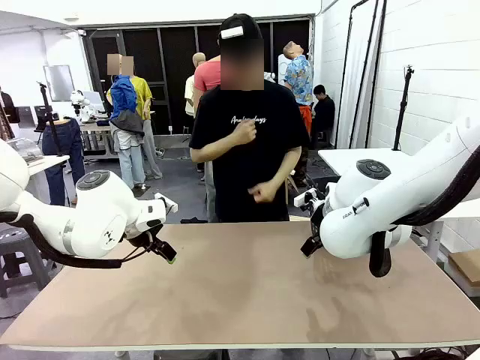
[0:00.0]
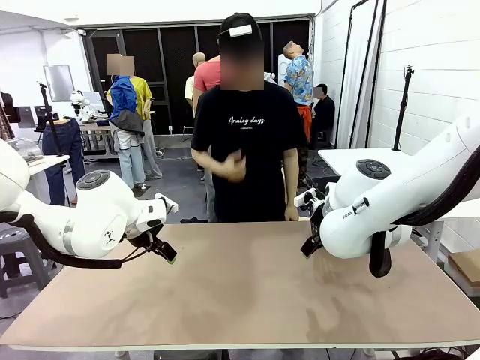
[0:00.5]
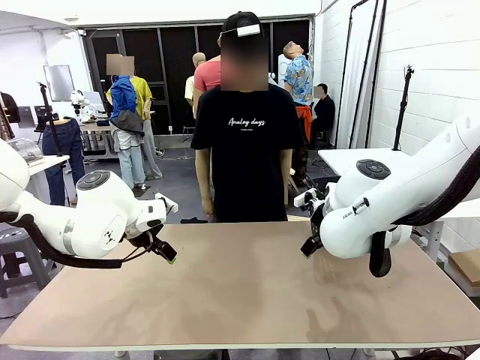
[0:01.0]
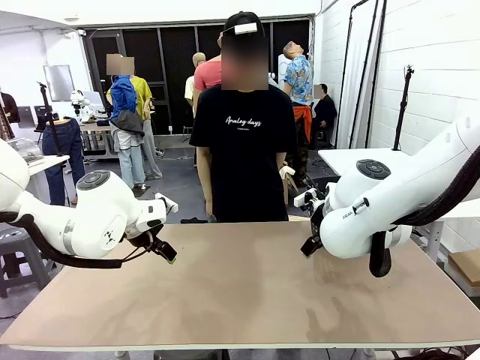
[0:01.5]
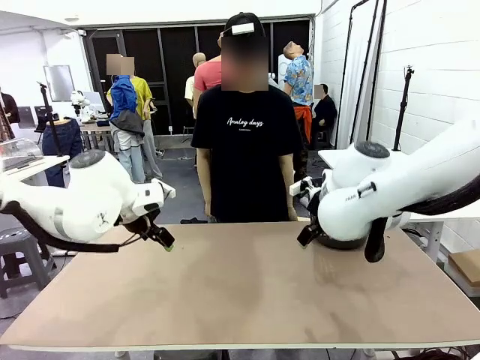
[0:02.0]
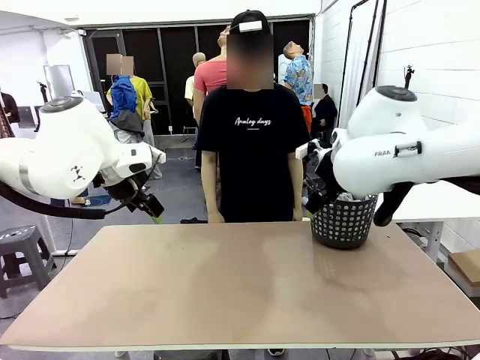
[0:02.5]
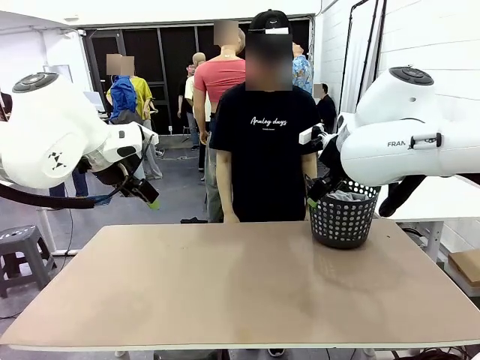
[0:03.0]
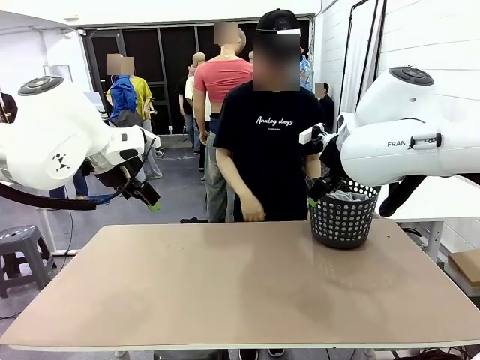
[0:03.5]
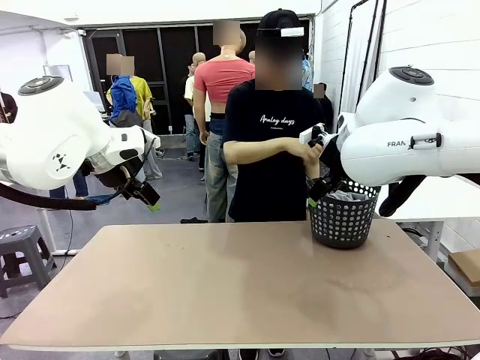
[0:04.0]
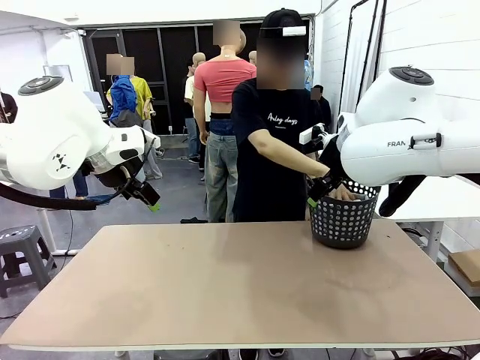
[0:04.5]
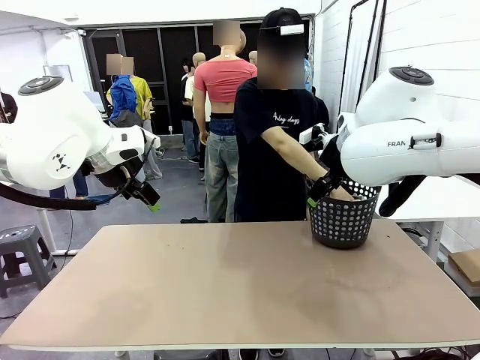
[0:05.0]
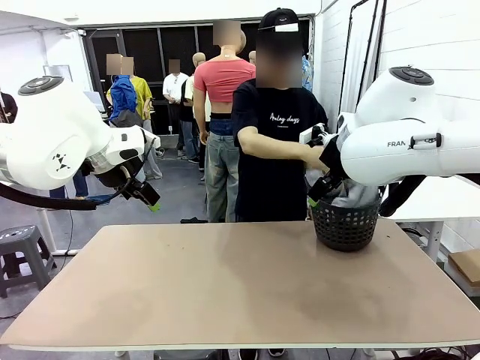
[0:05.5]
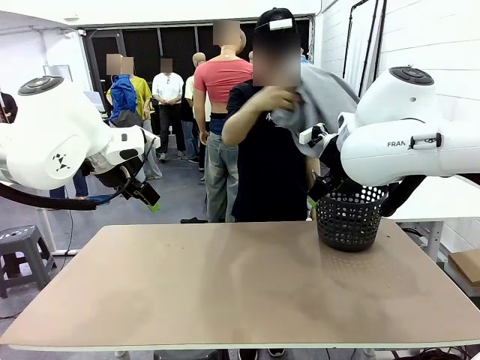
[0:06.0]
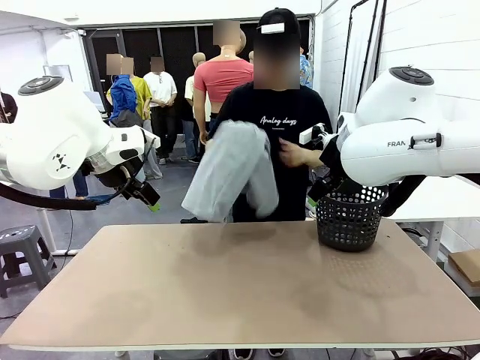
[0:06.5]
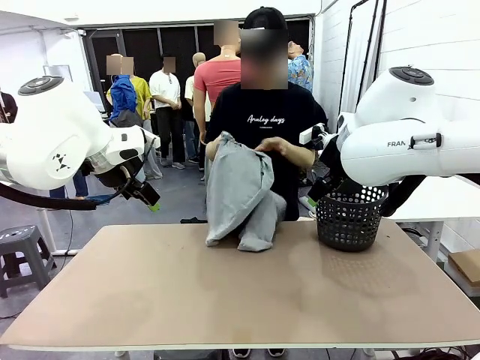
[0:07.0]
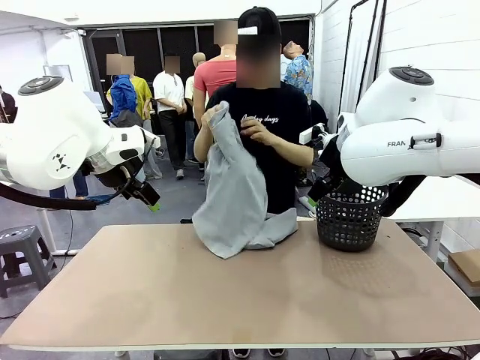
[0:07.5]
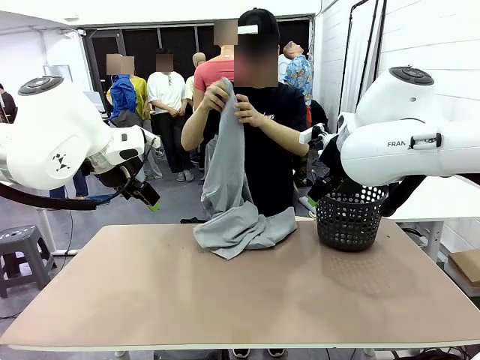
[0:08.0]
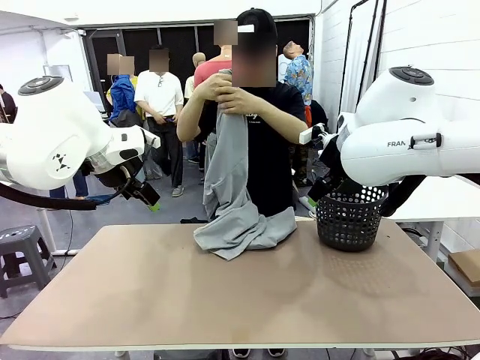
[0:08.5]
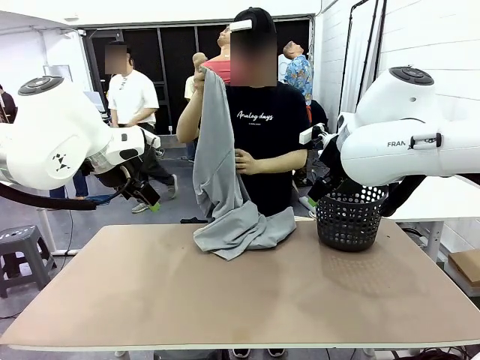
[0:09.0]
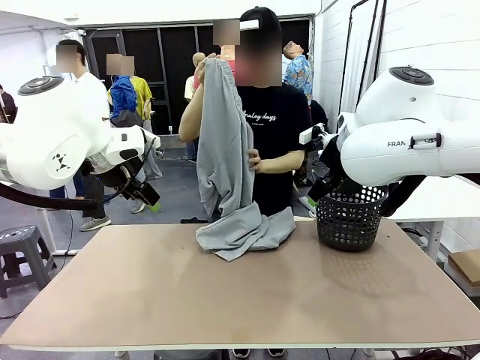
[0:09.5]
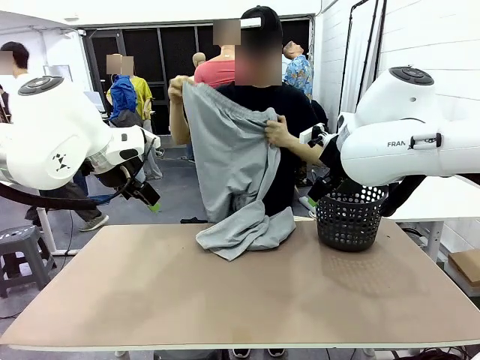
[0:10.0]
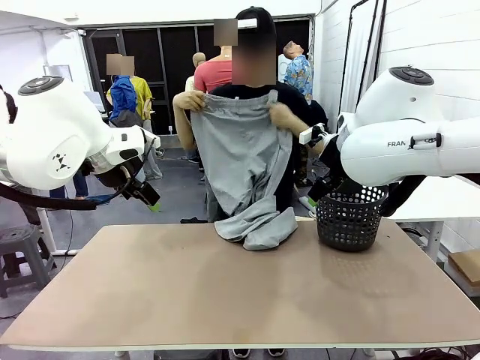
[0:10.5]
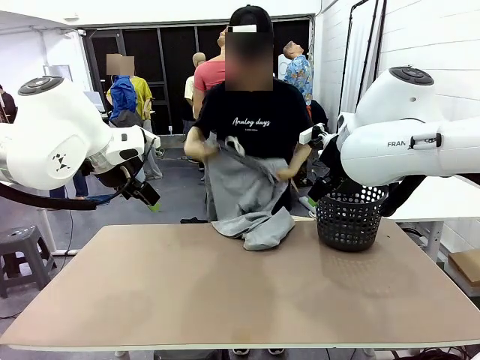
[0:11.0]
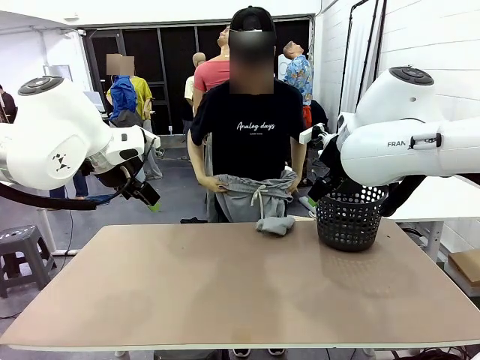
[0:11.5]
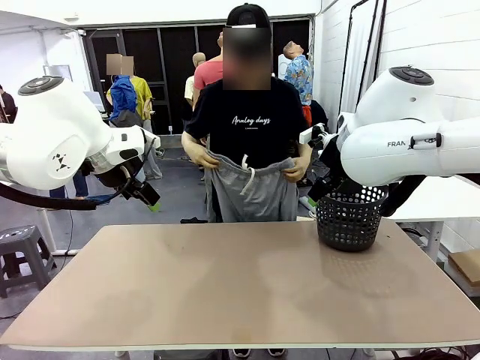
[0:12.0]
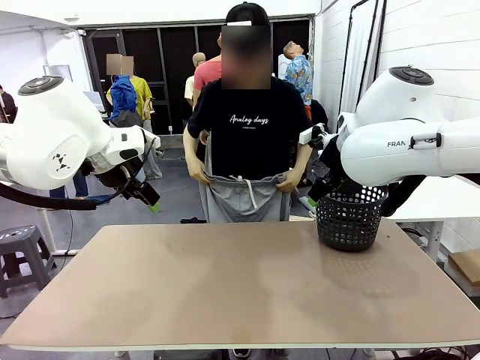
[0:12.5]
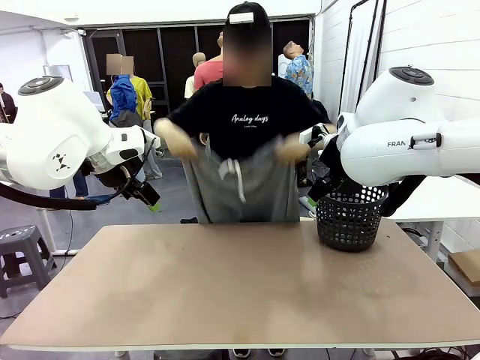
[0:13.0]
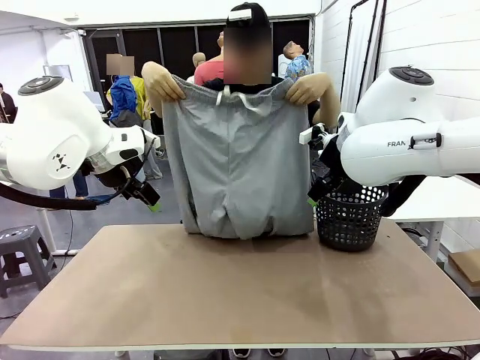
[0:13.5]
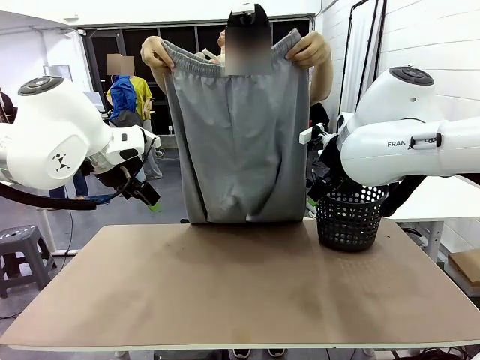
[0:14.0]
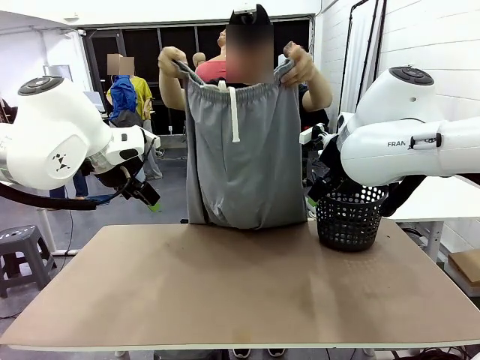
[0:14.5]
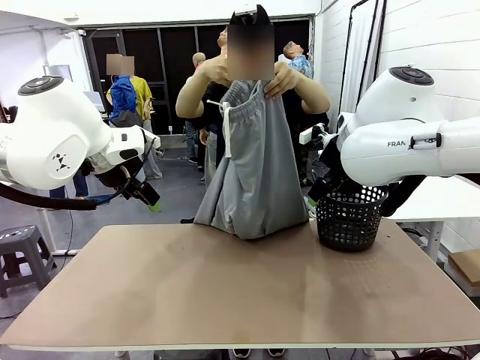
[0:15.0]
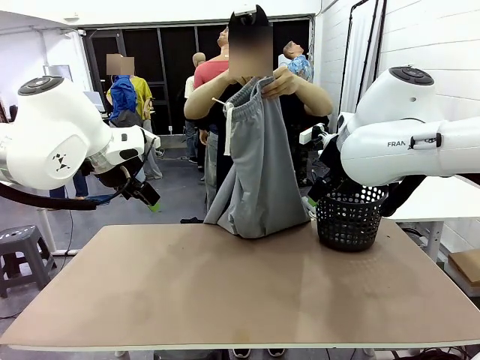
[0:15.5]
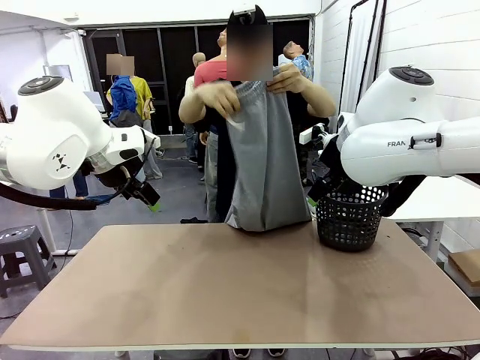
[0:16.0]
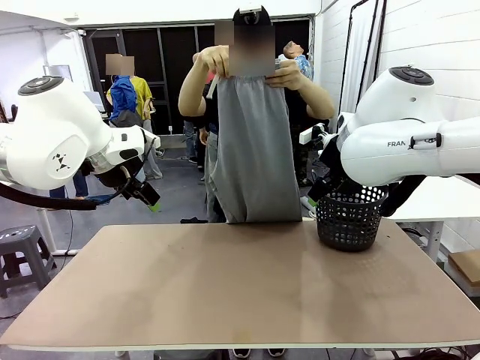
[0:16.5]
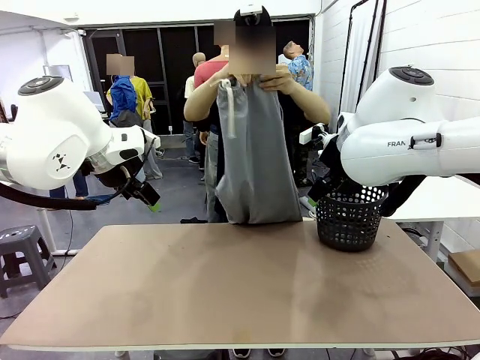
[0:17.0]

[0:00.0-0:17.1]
Task: Fold the training pants.
Robot: Grab both ends of the Training pants handed by a person.
Person: Take the long pants out of the laundry basket, unfold them, fold the waist in half, and extend them so the robot can pick up both corners.

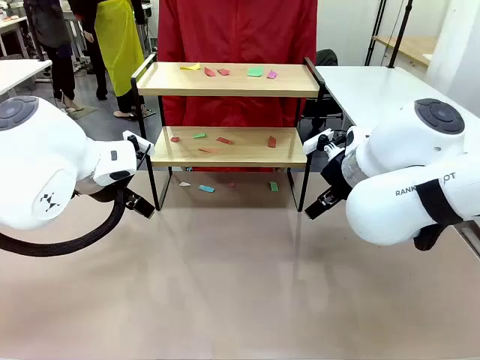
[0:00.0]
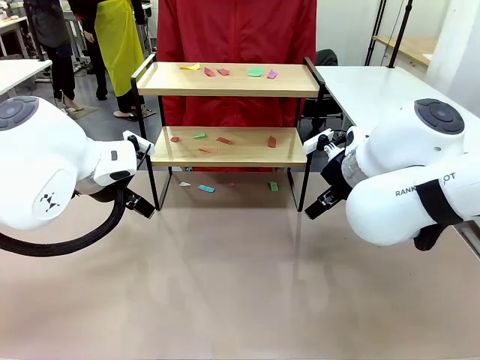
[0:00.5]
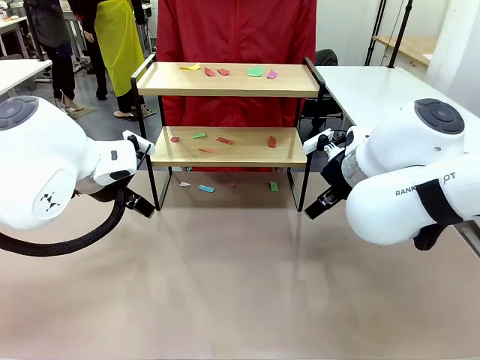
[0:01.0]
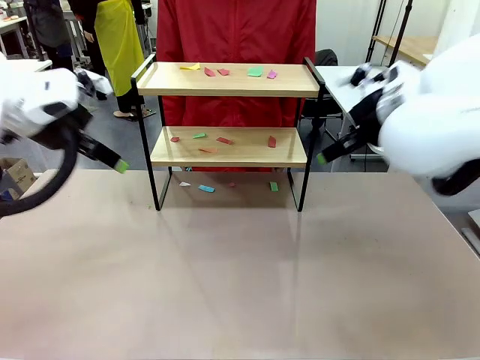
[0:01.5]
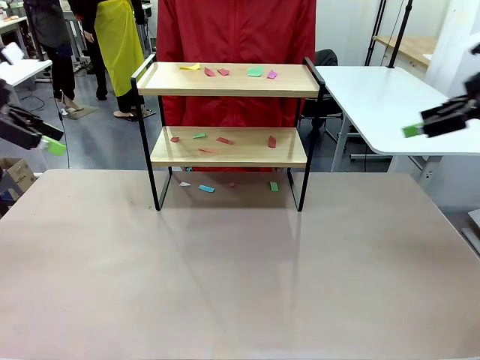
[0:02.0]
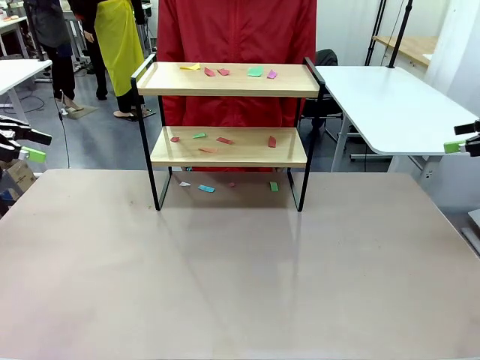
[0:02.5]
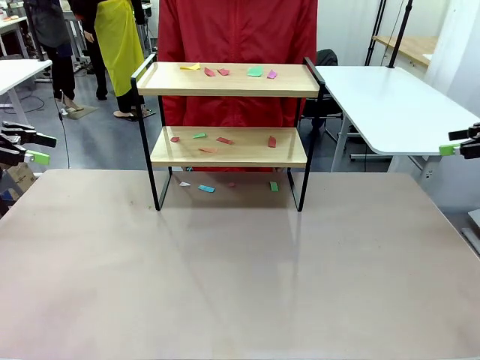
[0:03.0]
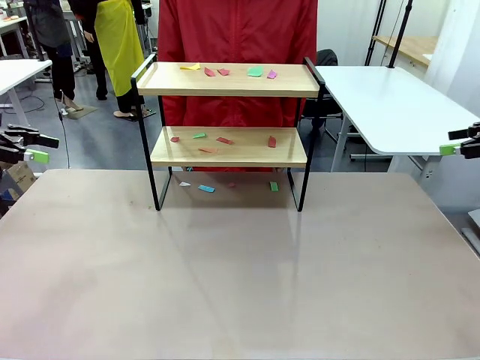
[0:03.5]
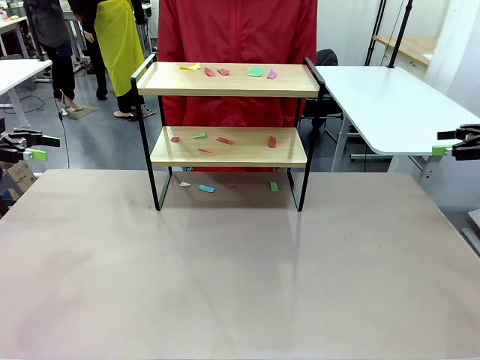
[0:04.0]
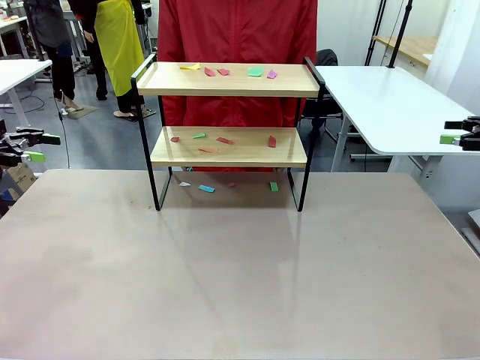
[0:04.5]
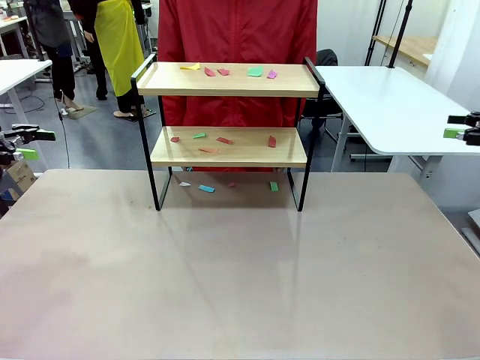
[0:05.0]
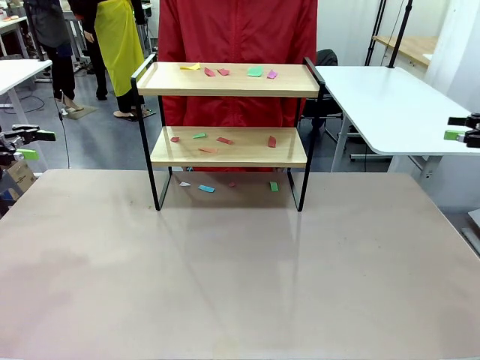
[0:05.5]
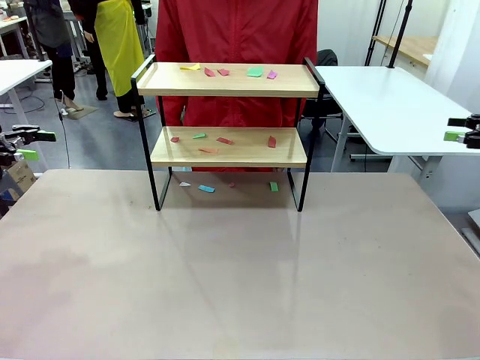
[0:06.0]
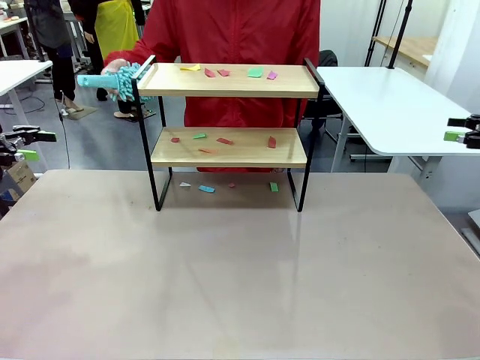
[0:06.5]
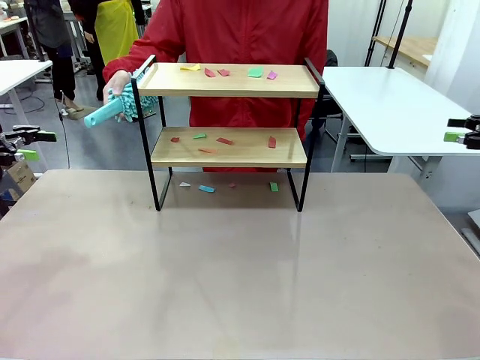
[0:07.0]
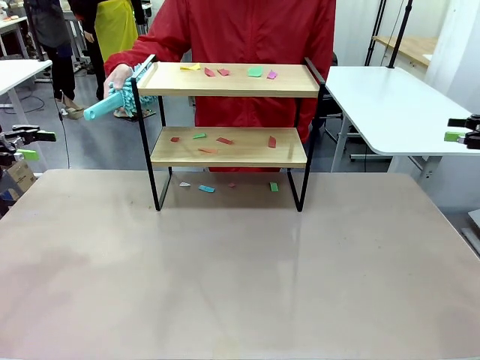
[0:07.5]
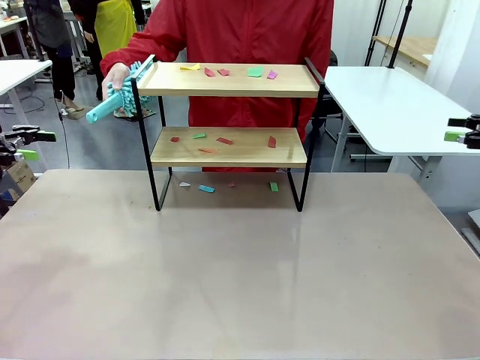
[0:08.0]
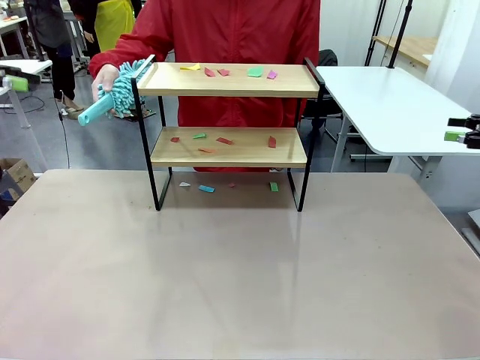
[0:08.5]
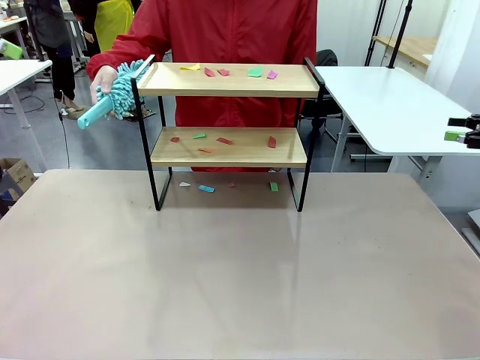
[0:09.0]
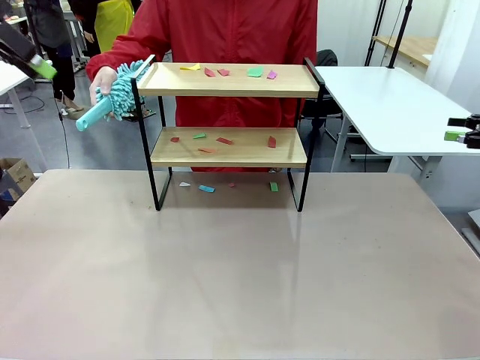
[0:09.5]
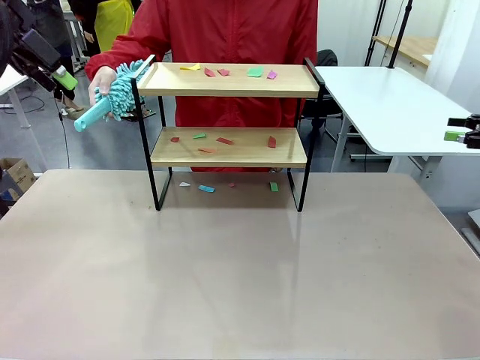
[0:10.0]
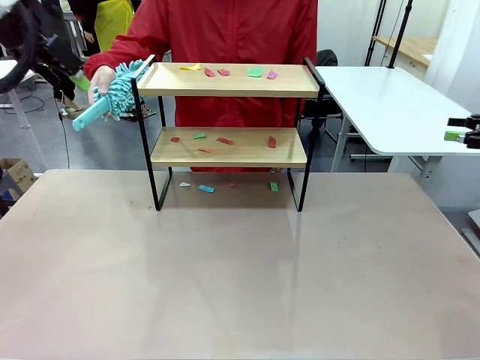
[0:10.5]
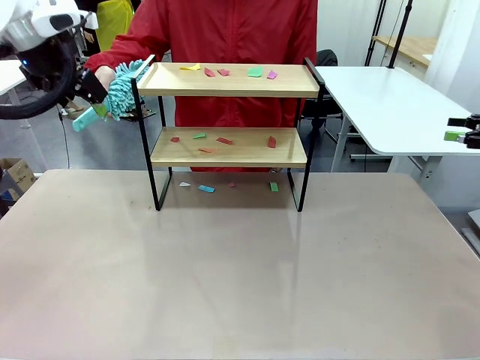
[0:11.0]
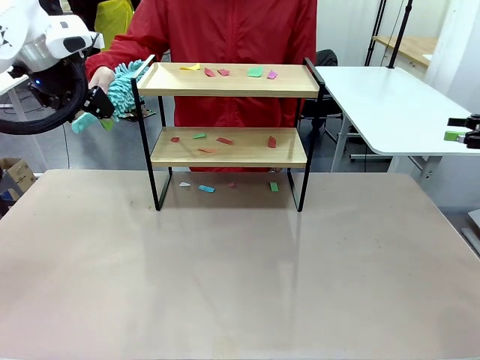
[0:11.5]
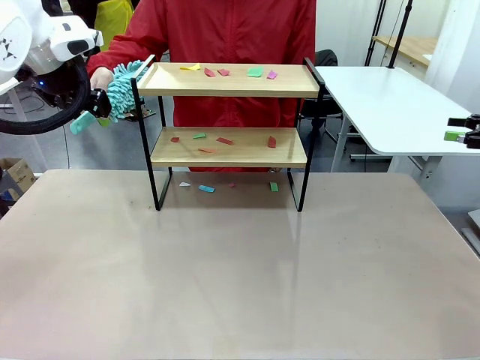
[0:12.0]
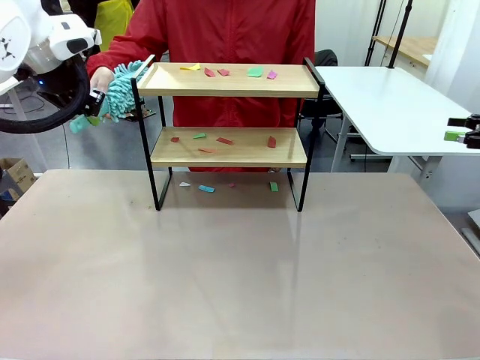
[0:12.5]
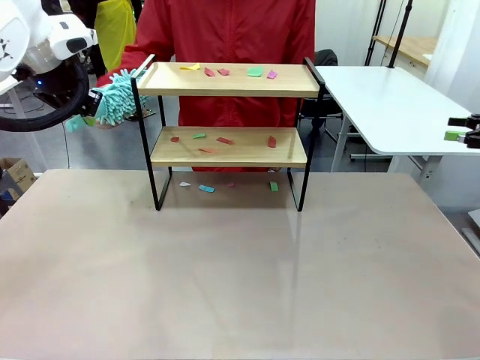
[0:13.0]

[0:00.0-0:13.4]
Task: Clean the shelf.
Robot: Pick up the Duster handed by the human.
Person: Hand the Duster to the robot.
